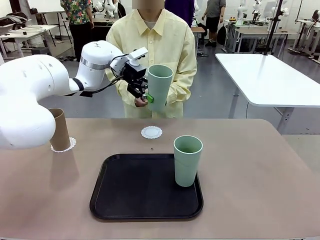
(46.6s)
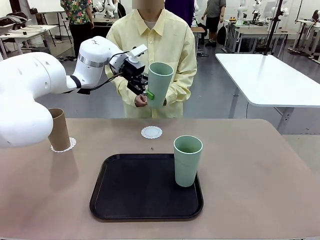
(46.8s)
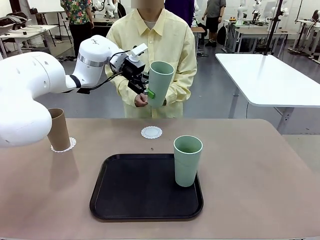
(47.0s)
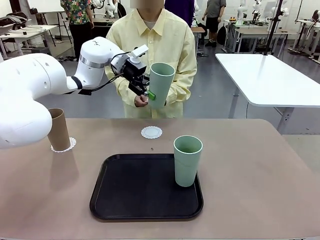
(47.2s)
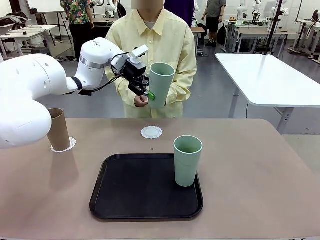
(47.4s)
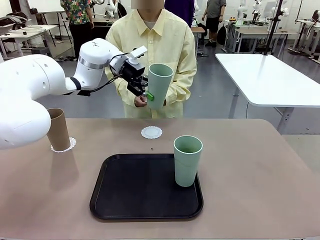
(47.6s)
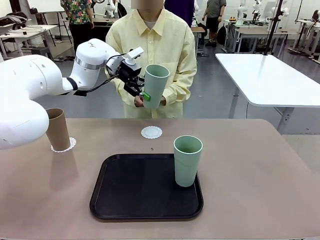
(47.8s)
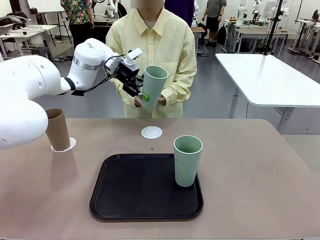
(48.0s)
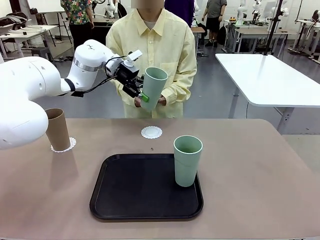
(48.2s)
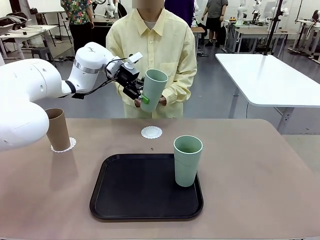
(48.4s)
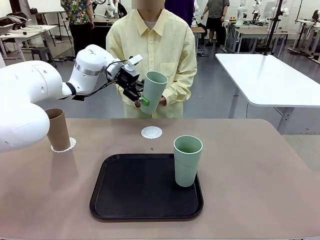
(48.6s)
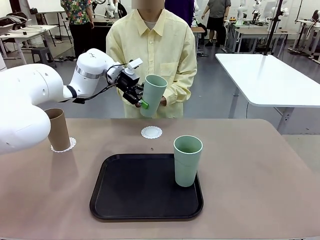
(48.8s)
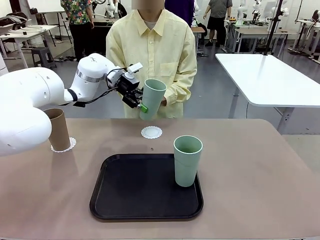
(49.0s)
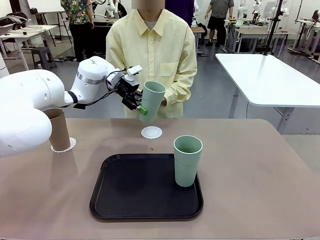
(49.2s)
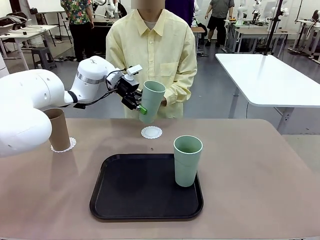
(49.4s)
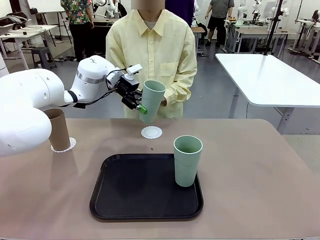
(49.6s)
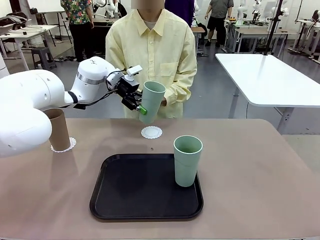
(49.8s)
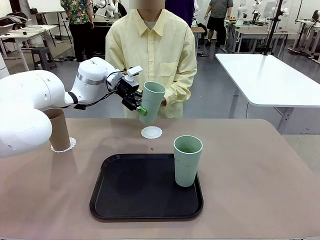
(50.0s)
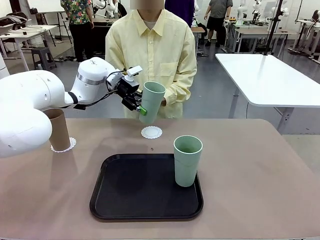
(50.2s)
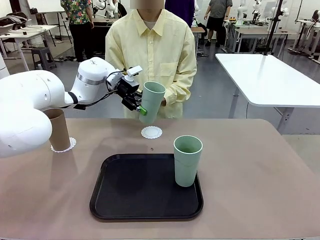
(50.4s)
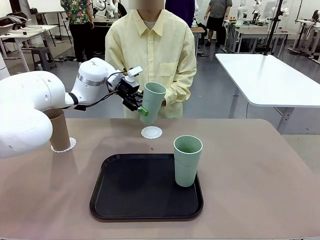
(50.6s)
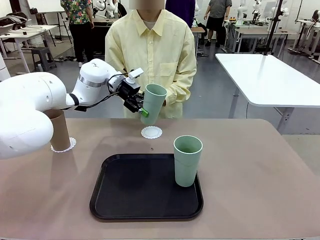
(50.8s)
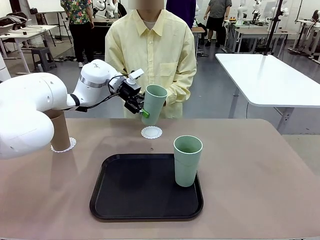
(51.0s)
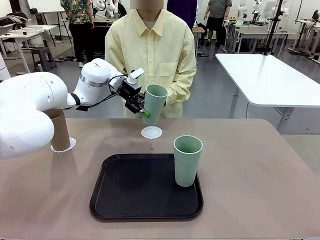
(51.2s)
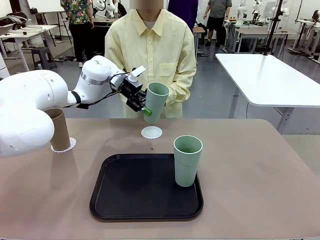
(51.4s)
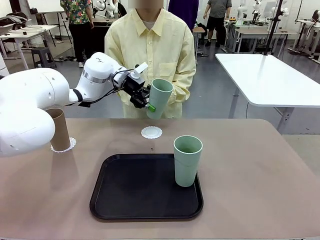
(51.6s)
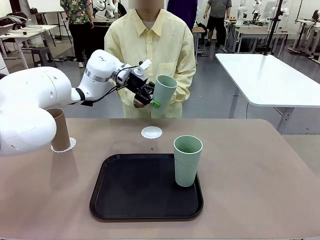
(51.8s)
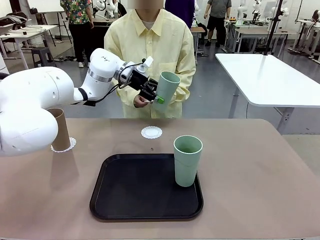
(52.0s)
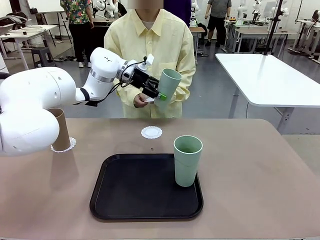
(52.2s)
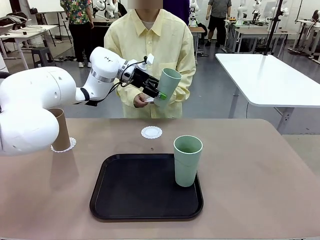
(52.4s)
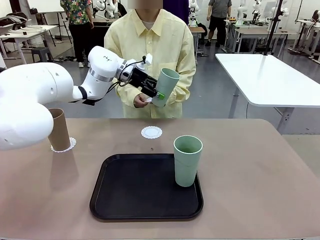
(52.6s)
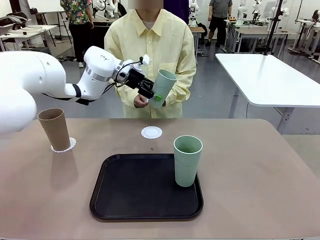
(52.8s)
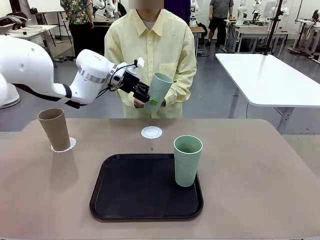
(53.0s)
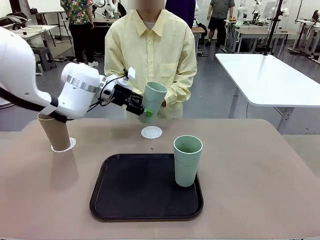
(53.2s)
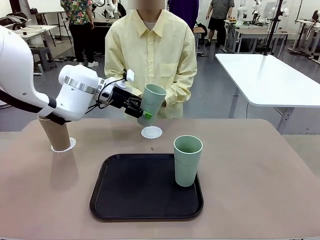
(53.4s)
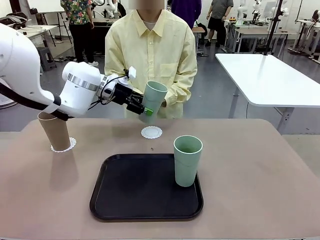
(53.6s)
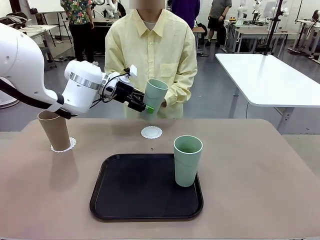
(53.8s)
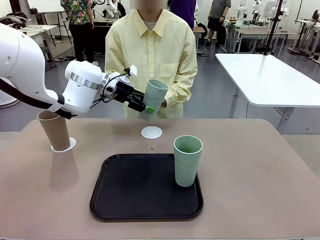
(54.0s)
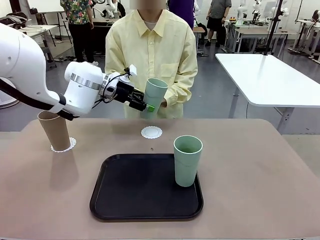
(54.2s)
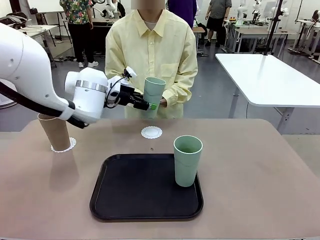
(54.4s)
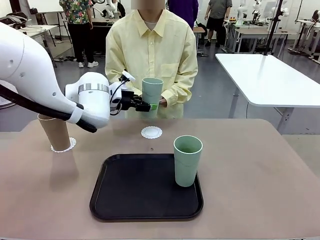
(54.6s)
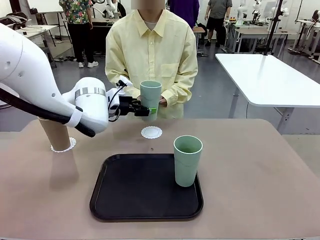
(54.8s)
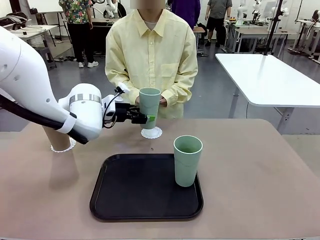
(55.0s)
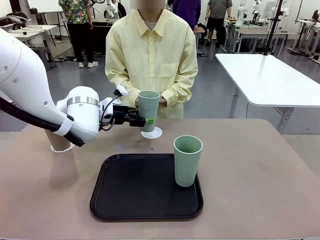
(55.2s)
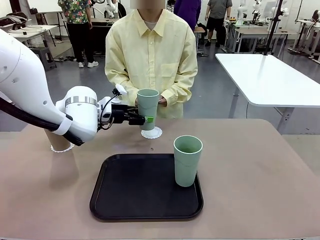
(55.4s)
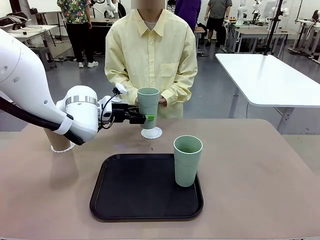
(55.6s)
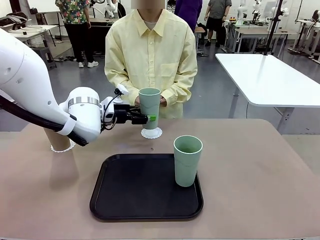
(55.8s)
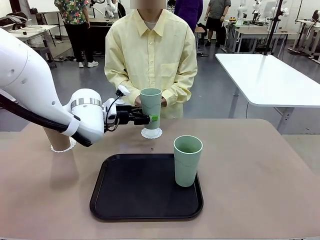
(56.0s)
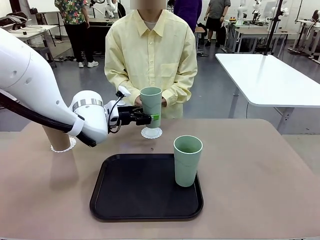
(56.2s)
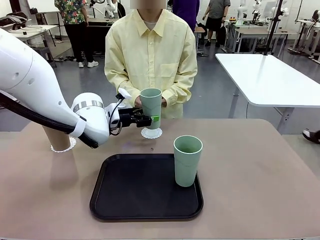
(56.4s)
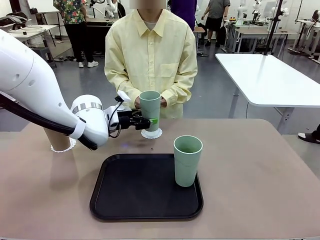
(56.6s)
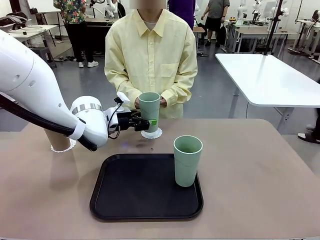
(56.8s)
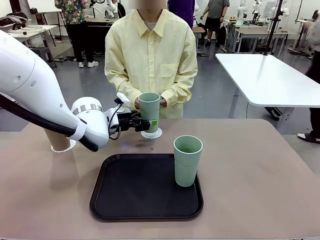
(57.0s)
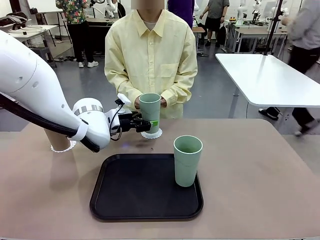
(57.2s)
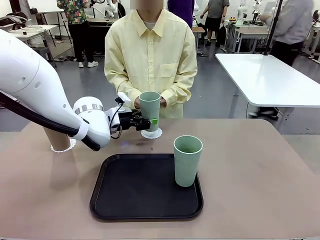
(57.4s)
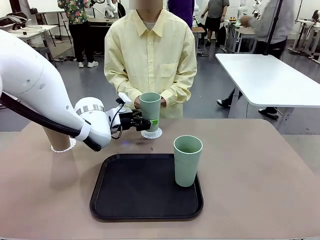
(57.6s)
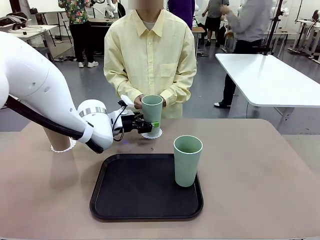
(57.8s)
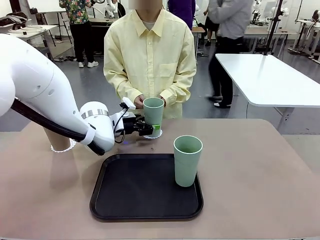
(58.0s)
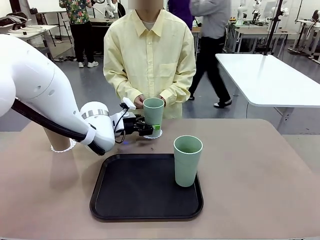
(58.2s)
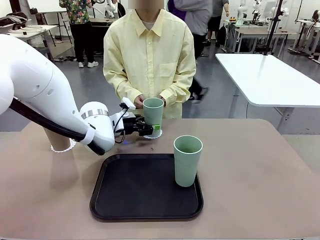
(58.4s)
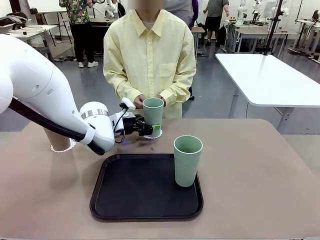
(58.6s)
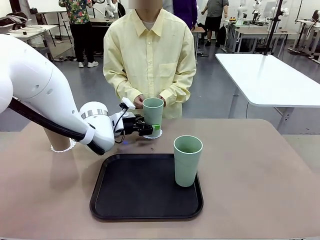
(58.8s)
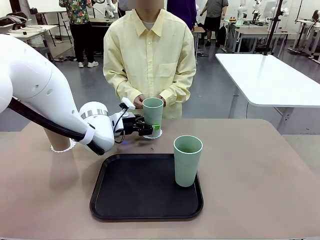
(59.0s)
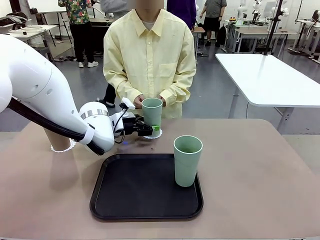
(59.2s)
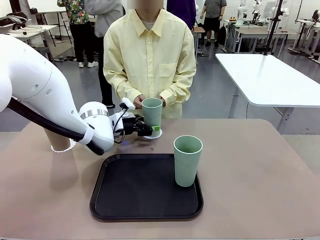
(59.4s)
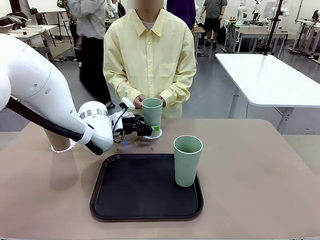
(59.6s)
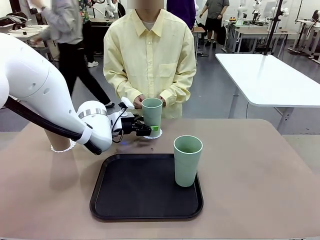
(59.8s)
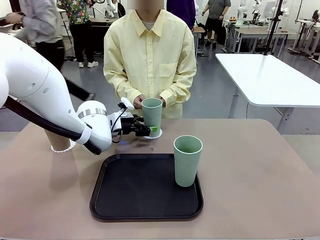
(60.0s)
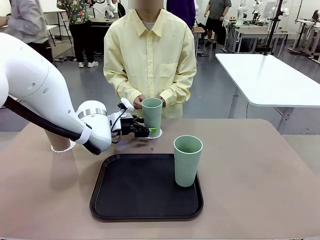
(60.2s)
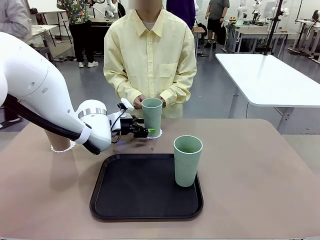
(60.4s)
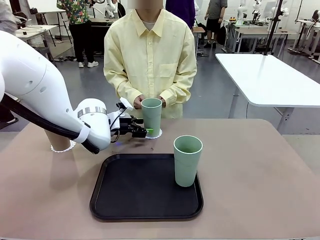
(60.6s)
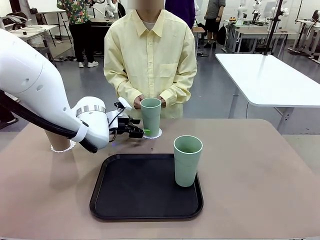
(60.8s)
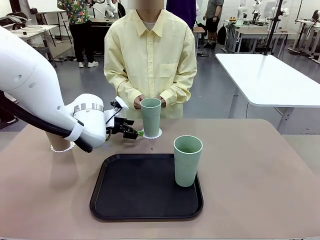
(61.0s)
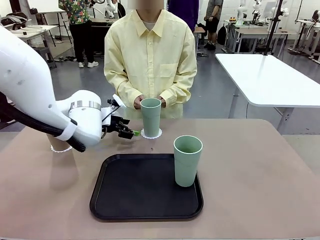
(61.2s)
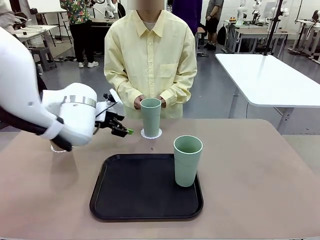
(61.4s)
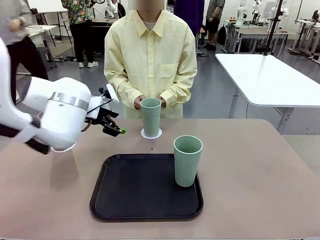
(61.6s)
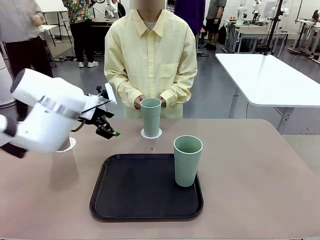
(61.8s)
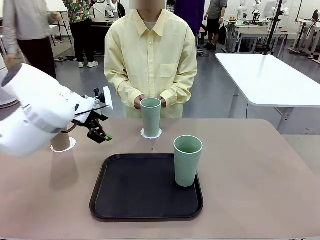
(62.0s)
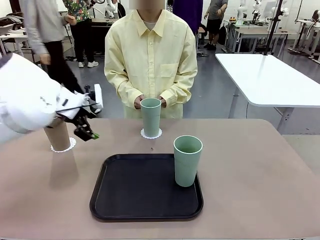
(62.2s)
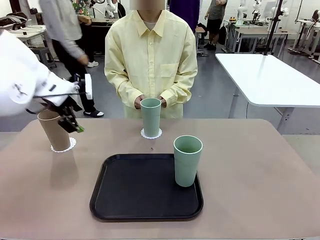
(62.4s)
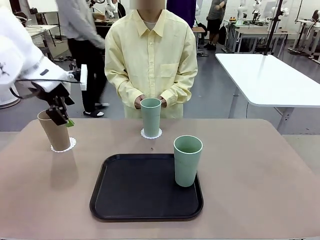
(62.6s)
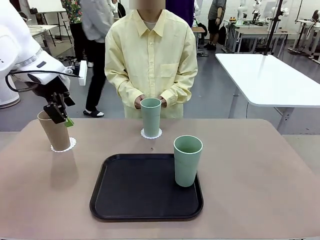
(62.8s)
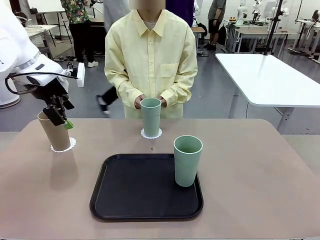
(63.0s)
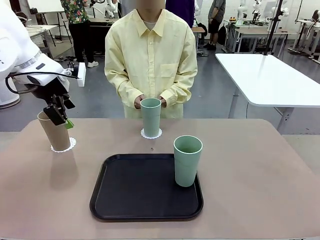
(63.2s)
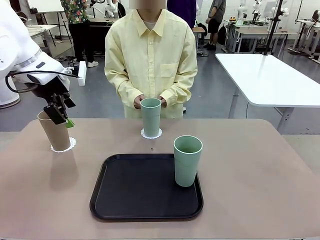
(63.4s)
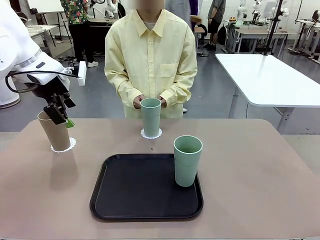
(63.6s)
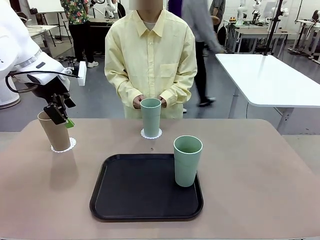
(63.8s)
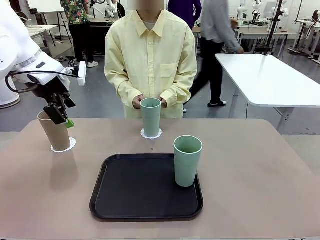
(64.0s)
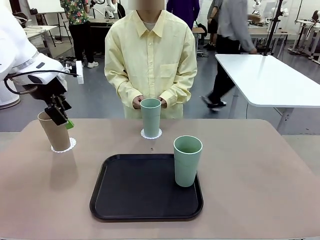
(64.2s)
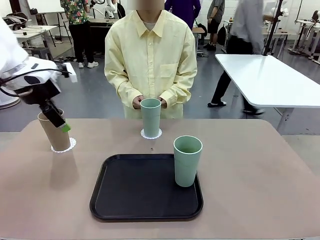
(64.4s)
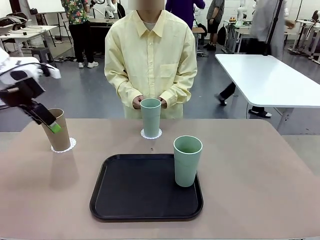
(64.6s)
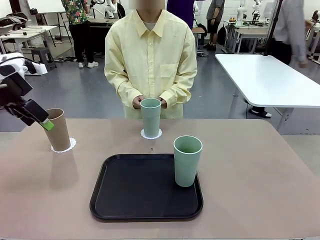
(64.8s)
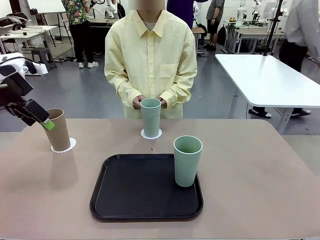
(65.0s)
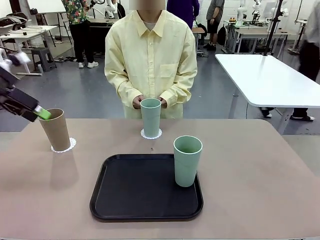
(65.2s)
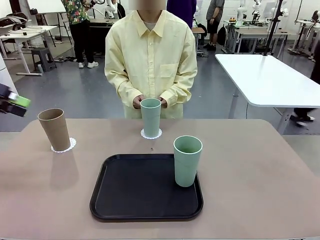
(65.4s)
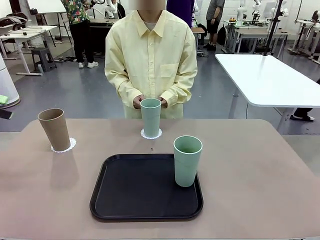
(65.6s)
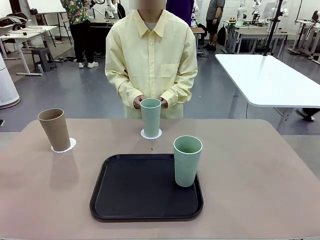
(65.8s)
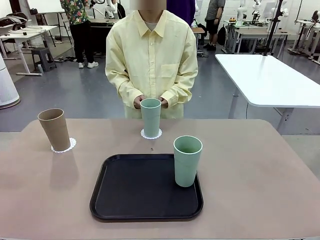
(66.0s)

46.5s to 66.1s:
Task: Place coasters on the table and set cups on them.
Robot: Take one Reusable plastic cup from the Flat Tray and place it on a coaster set by the human.
